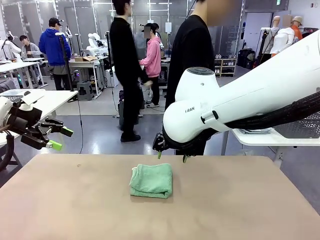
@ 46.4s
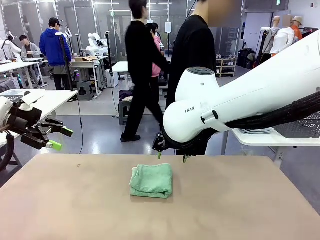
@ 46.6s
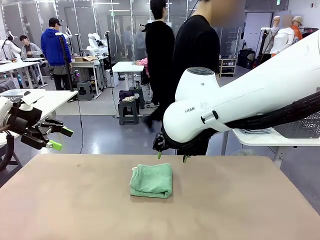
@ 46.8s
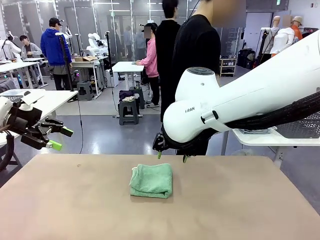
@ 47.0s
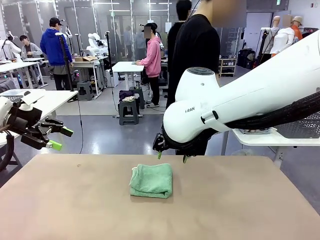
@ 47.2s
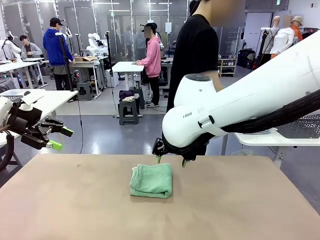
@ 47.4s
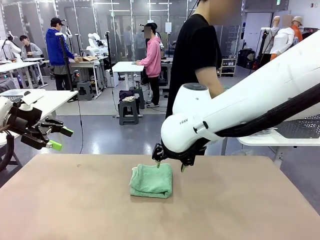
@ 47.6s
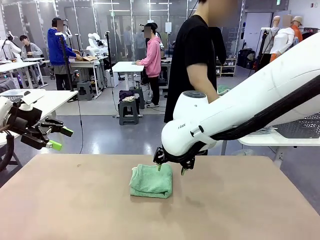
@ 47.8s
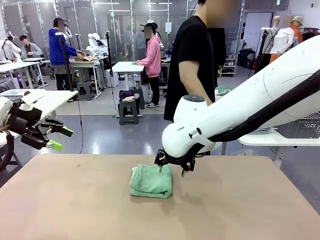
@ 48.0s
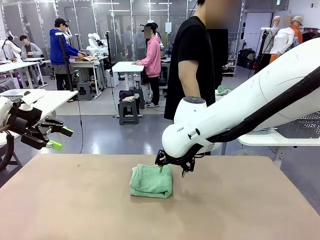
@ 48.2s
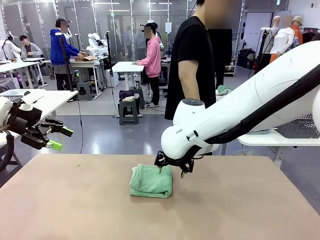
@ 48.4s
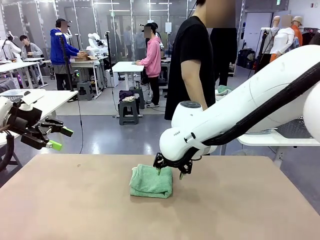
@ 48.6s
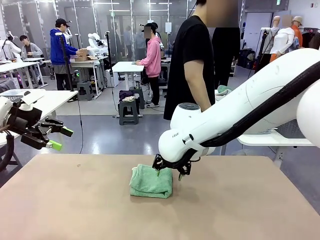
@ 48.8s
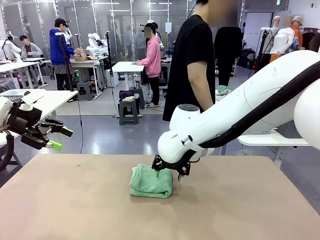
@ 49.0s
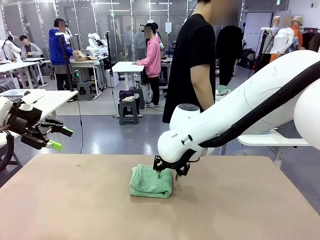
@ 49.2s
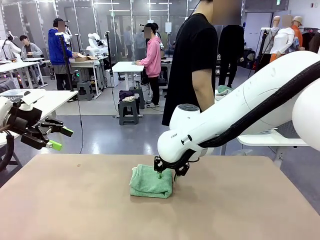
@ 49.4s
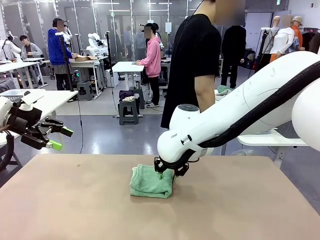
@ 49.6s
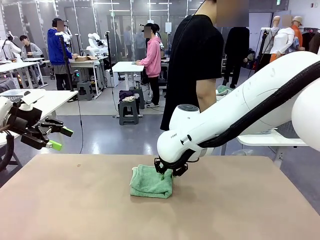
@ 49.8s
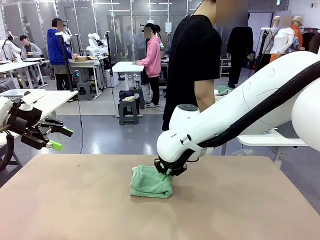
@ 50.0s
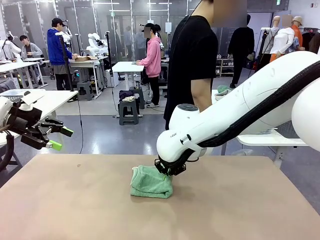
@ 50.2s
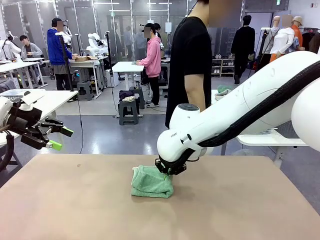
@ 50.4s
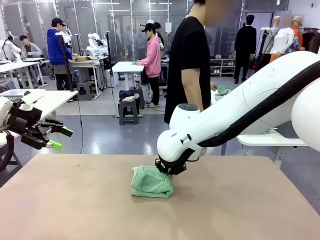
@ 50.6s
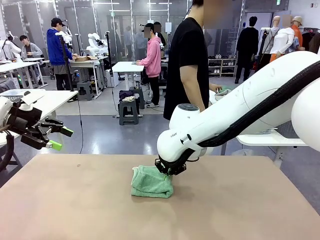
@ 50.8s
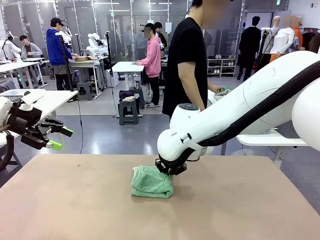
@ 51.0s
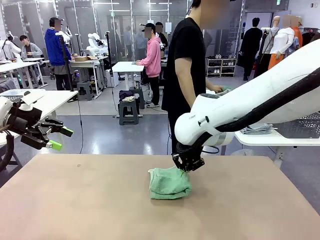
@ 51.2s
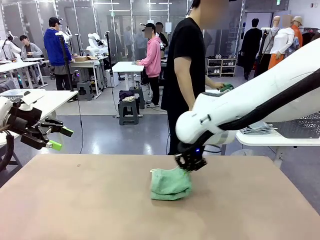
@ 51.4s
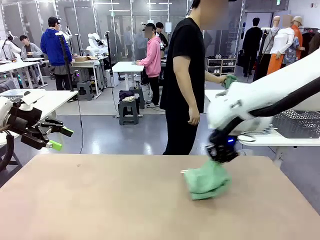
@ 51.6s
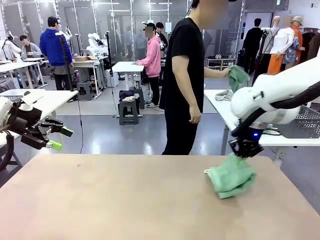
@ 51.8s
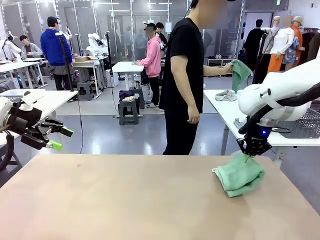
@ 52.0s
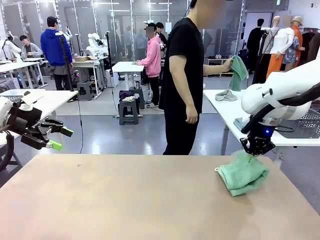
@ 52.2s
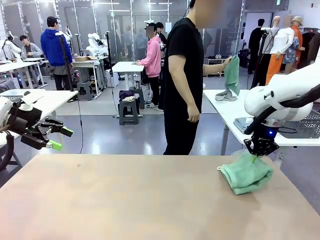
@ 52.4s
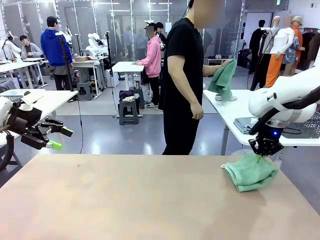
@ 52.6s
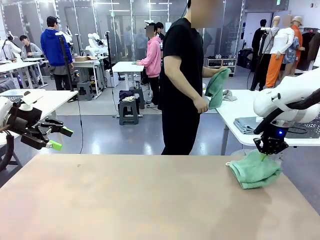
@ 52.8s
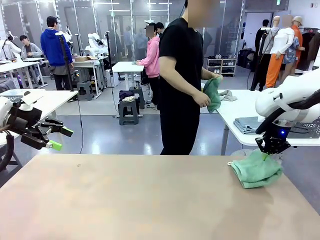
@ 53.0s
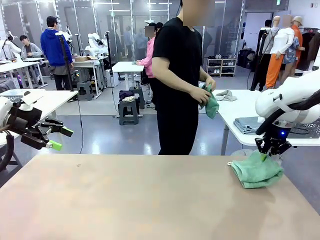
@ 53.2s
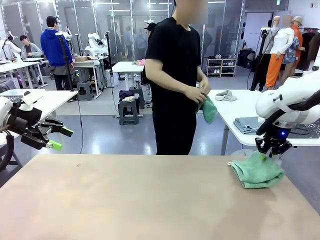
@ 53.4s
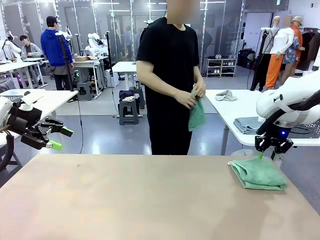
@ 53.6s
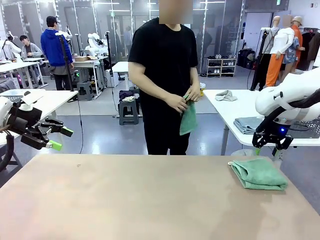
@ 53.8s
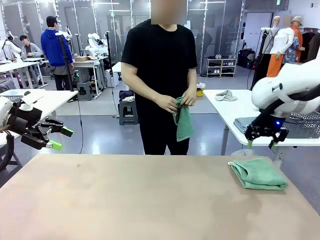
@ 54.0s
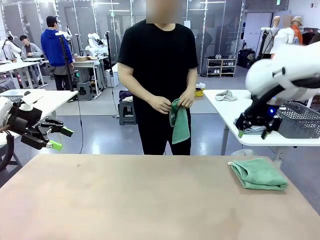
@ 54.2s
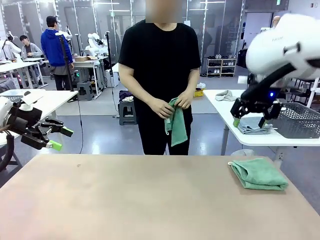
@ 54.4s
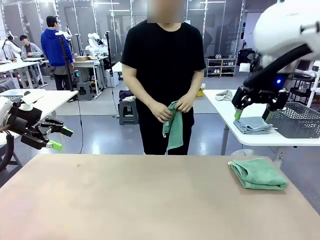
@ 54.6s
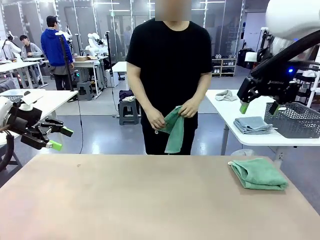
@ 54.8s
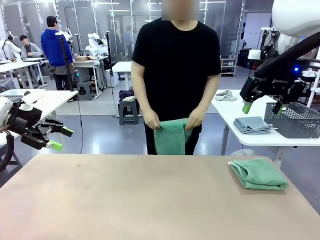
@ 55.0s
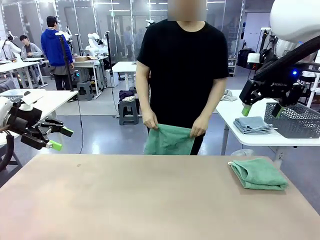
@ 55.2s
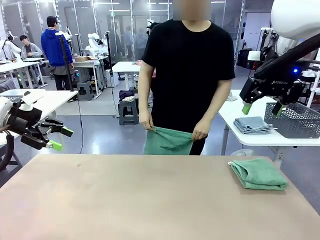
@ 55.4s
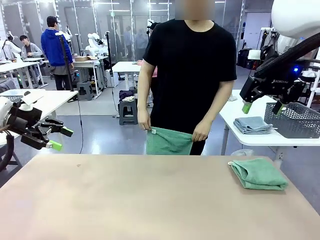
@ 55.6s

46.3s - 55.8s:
Task: Fold the towels and place them in the basket.
Robot: Place the folded Towel with hook on the right side of the table.
Person: Pick up one towel from the left side of the human table and spread it out at the center of the robot table.

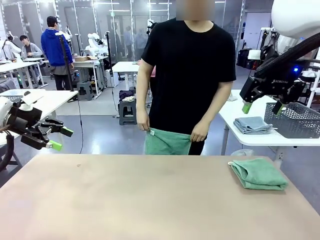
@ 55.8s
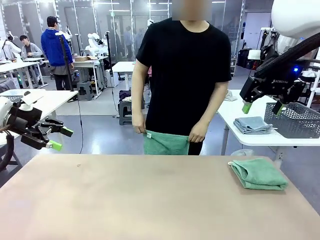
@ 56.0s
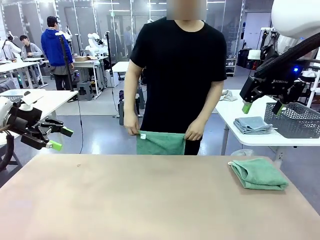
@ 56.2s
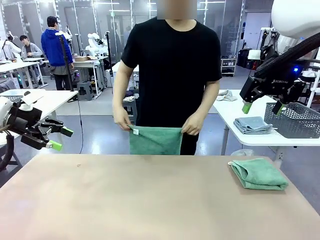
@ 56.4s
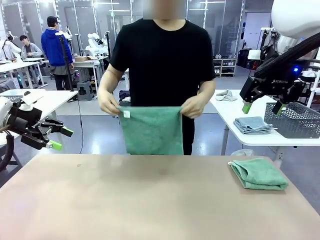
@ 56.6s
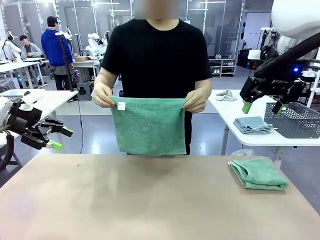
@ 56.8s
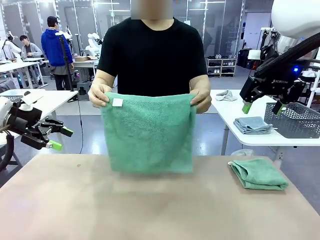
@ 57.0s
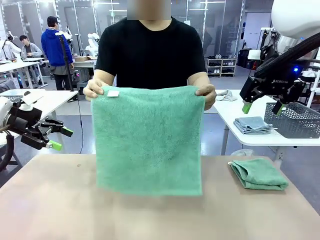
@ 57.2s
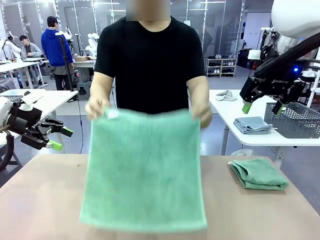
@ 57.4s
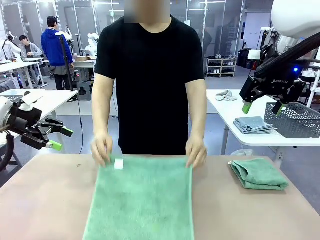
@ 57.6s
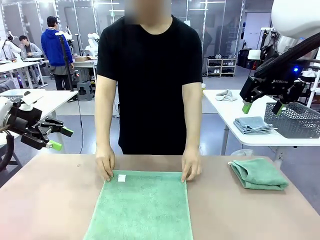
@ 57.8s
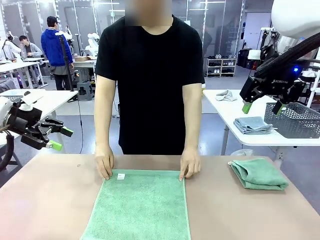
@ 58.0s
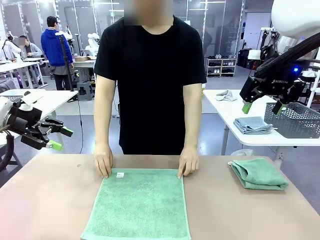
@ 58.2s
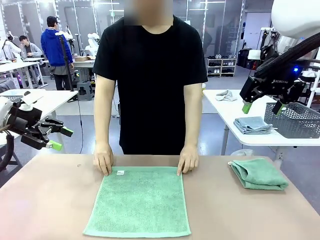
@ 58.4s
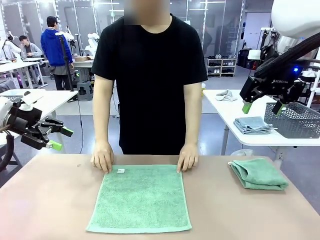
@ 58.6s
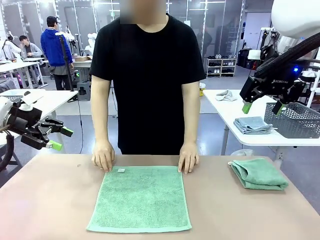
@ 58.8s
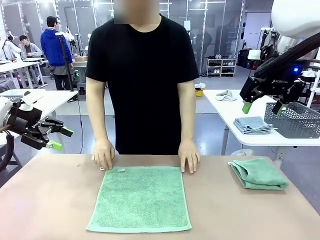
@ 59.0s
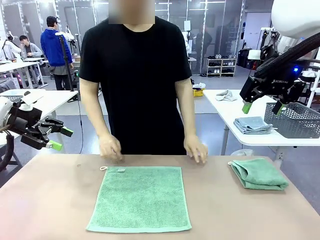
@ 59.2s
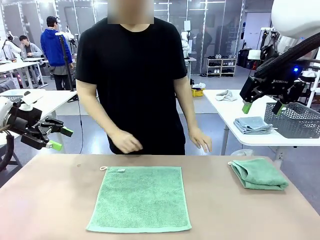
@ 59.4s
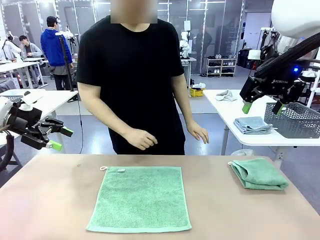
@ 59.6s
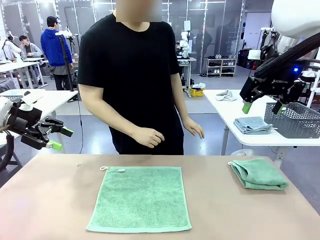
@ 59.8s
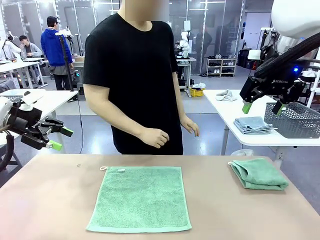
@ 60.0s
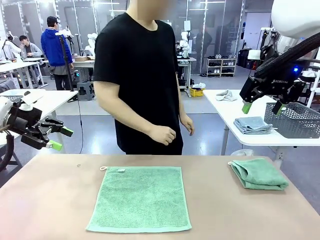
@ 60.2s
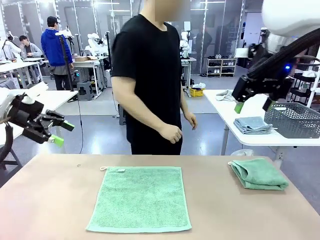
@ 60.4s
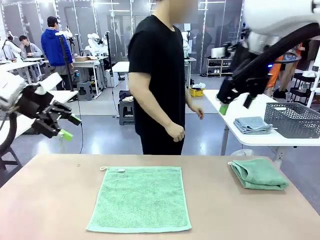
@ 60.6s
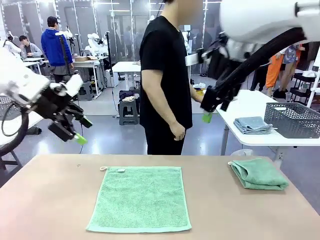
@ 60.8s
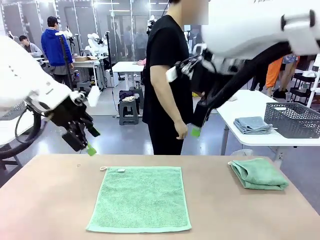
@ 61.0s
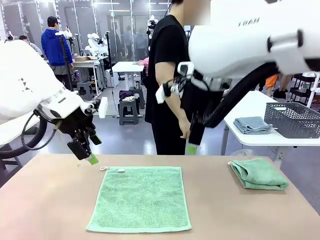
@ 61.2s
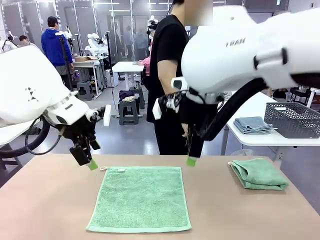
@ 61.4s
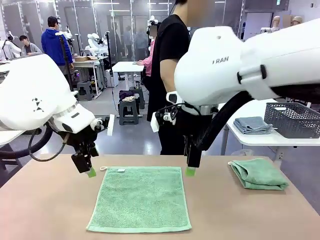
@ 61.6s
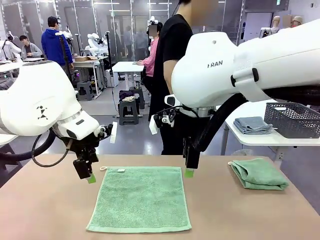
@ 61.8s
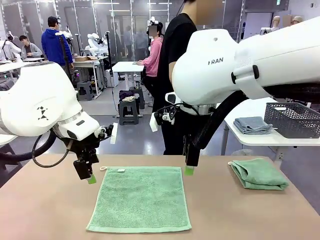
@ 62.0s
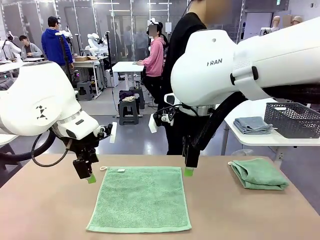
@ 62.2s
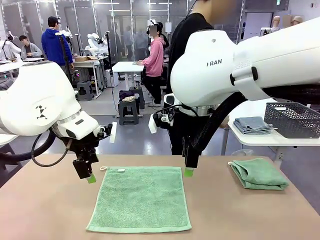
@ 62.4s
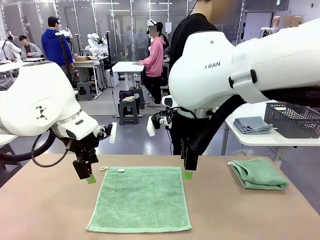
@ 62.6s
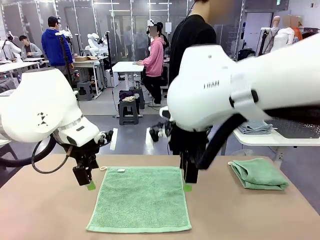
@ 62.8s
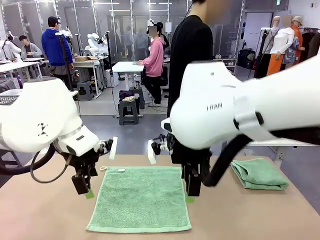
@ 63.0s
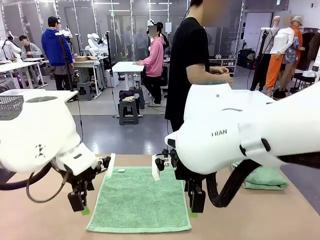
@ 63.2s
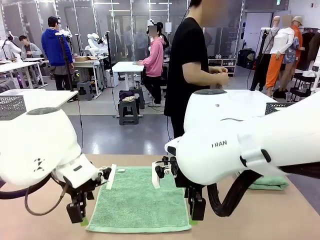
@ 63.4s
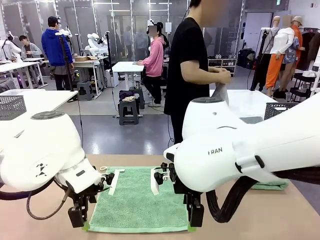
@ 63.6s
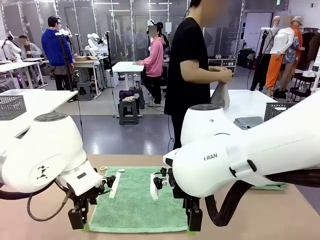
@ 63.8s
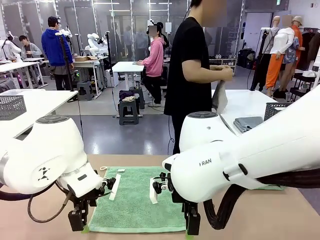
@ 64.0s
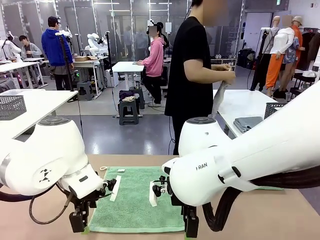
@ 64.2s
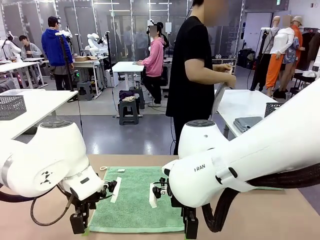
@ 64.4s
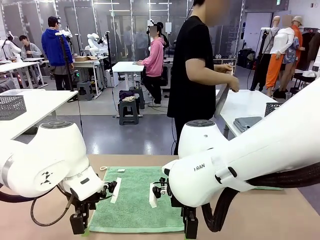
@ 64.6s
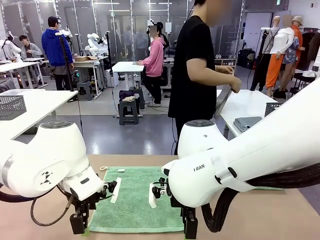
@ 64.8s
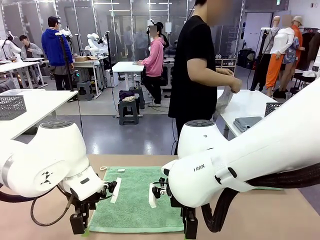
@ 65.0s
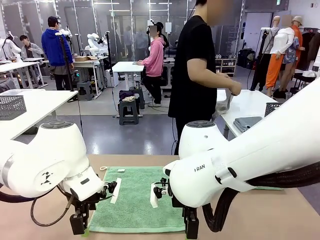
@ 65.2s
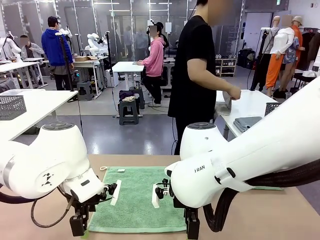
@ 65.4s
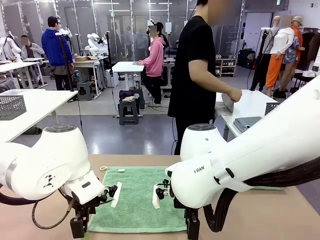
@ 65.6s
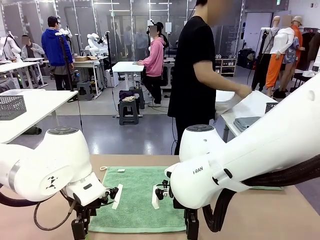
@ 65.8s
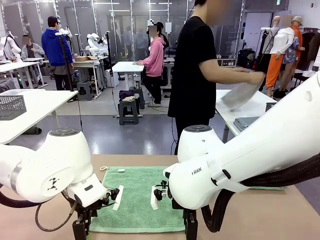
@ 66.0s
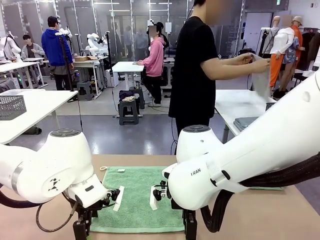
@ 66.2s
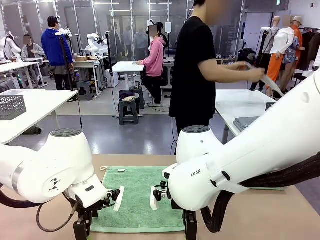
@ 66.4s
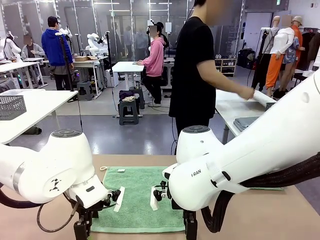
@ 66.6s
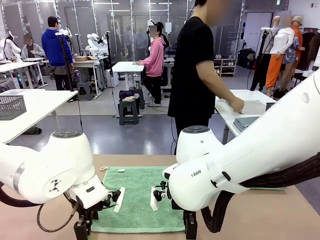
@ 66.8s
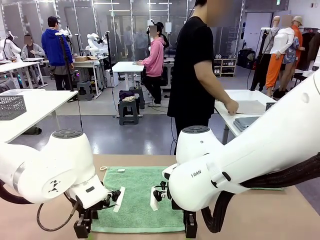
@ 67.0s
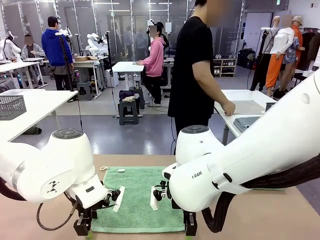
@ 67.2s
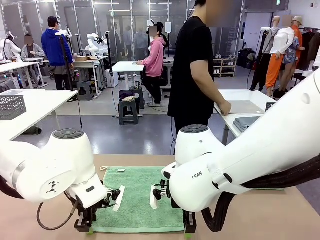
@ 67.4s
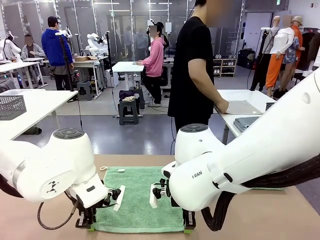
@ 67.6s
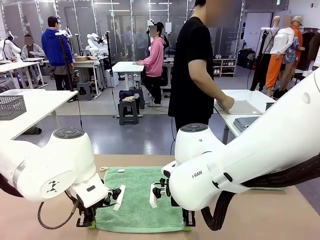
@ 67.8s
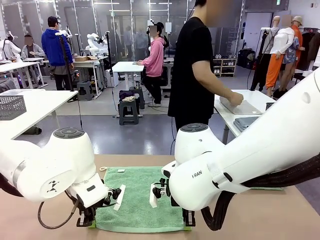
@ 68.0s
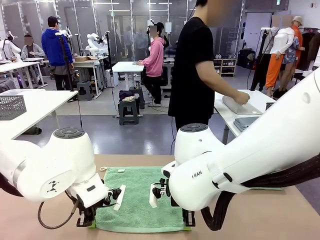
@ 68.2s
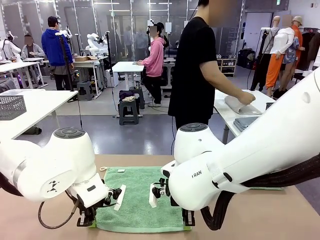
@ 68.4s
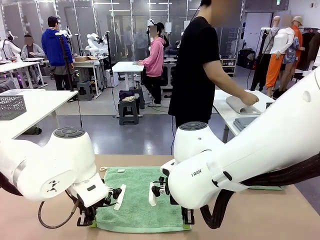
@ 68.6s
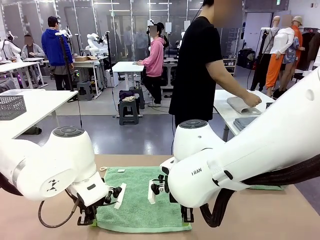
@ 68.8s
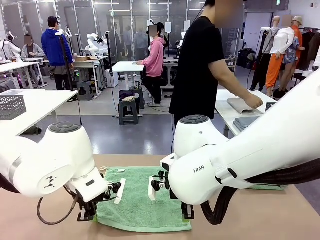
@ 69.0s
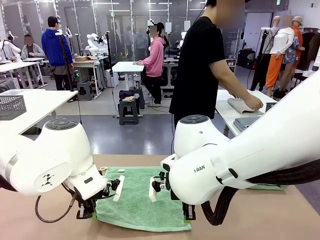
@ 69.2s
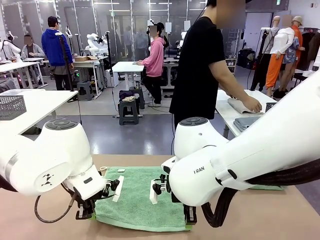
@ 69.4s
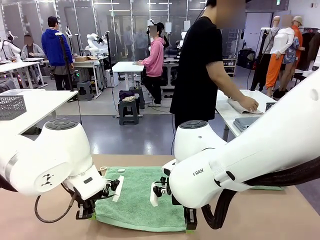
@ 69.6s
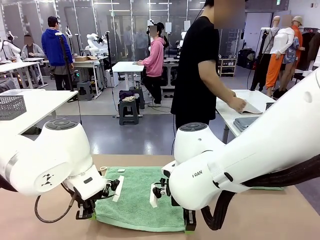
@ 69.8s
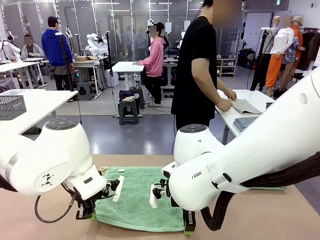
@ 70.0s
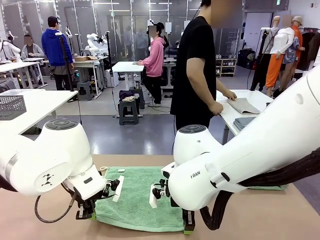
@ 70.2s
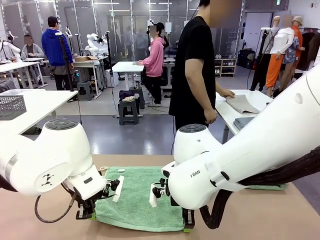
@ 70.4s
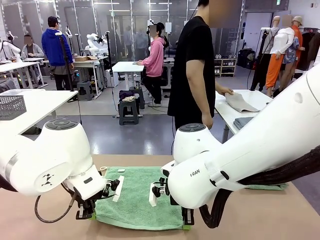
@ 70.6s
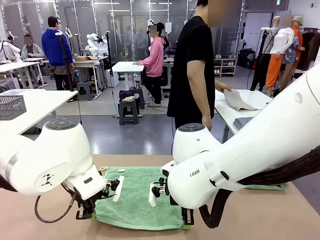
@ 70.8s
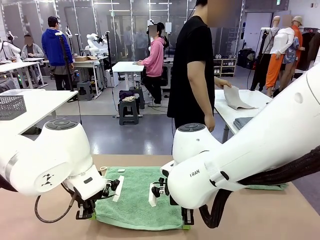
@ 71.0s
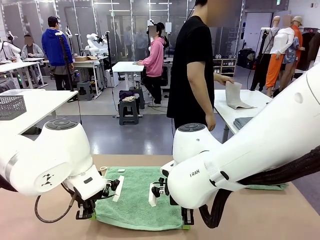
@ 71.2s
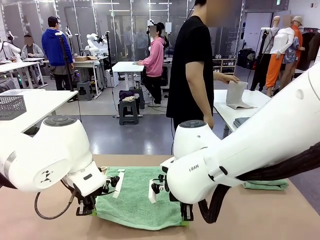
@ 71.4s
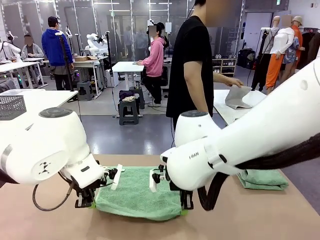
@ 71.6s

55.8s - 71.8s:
Robot: When a person lays out a Towel with hook on the table, fold it in half twice.
Person: Pick up one towel from the left side of the human table, fold it in half twice, and stack it on the right side of the table.
